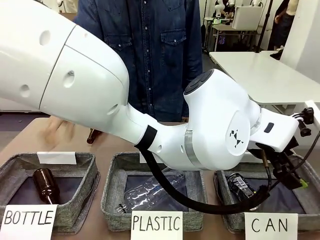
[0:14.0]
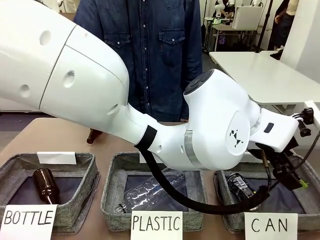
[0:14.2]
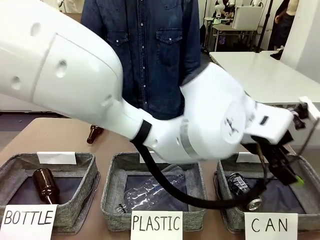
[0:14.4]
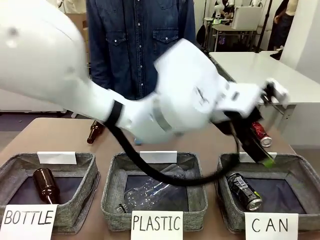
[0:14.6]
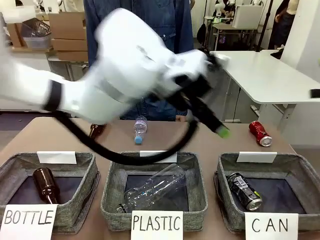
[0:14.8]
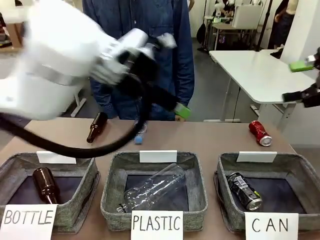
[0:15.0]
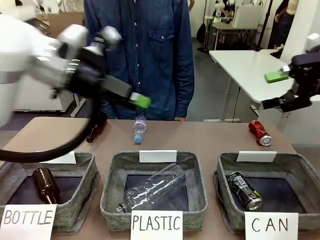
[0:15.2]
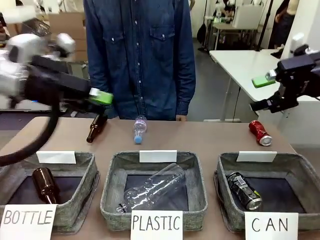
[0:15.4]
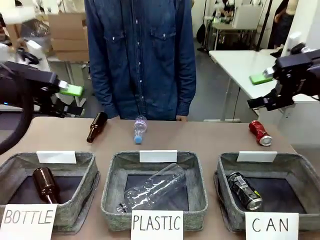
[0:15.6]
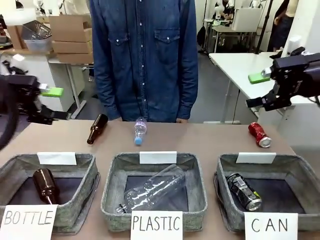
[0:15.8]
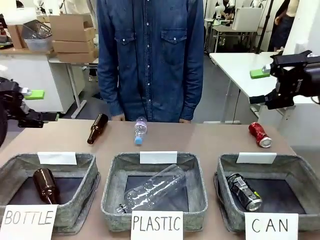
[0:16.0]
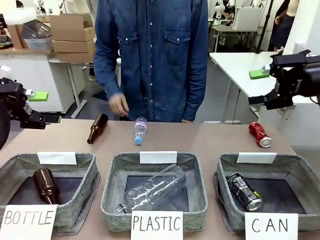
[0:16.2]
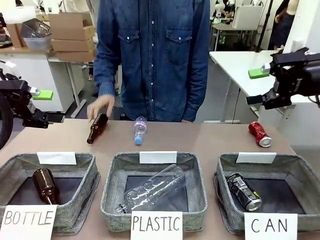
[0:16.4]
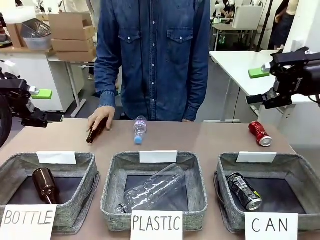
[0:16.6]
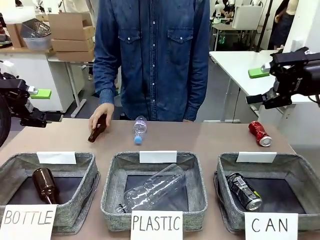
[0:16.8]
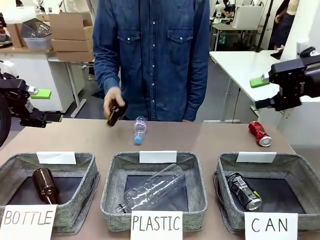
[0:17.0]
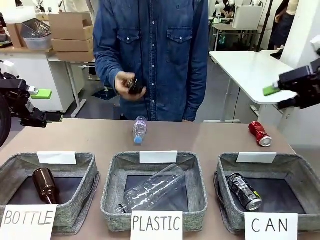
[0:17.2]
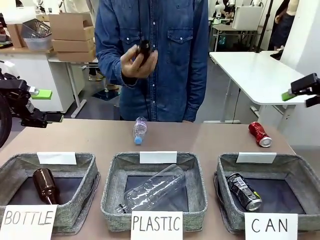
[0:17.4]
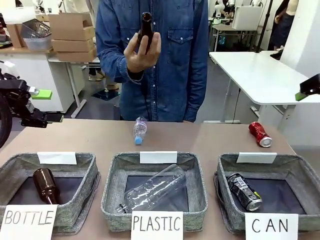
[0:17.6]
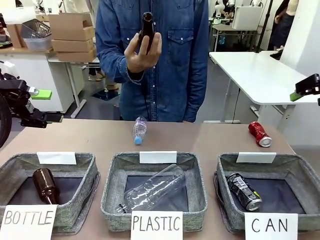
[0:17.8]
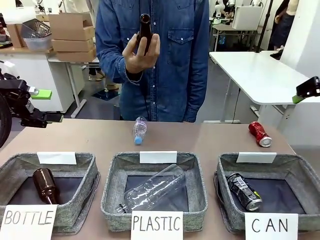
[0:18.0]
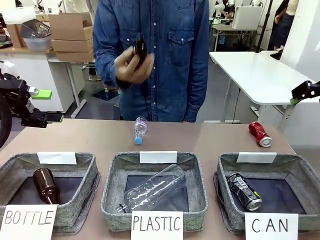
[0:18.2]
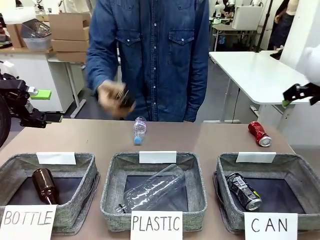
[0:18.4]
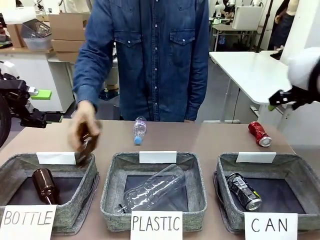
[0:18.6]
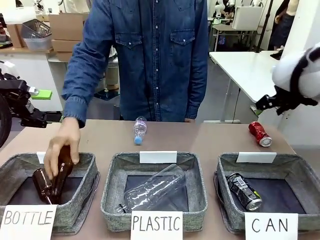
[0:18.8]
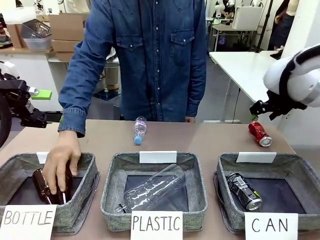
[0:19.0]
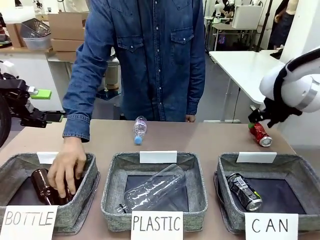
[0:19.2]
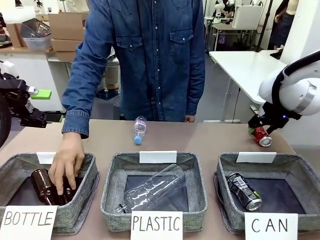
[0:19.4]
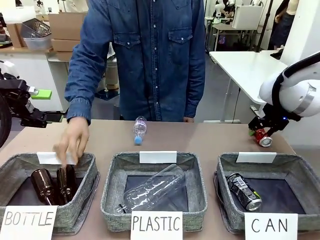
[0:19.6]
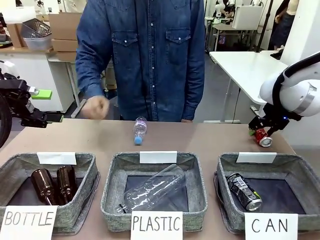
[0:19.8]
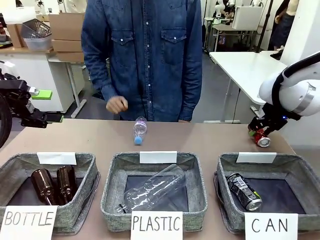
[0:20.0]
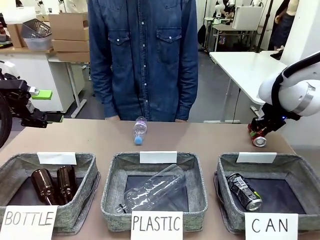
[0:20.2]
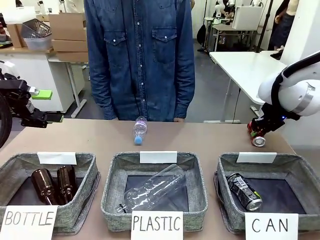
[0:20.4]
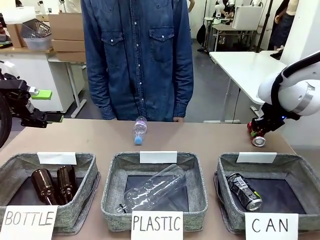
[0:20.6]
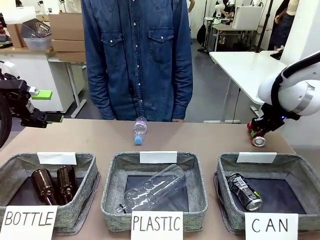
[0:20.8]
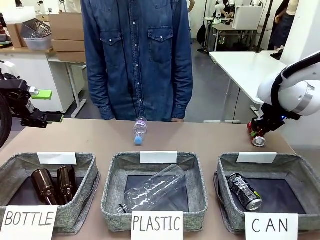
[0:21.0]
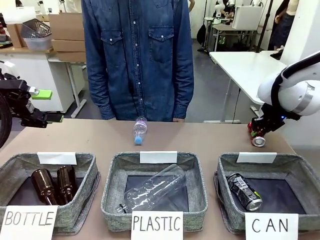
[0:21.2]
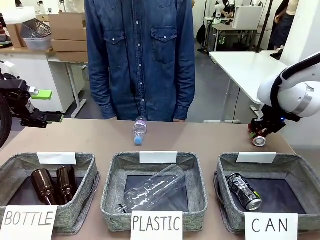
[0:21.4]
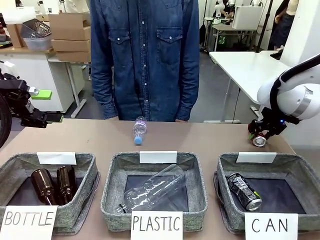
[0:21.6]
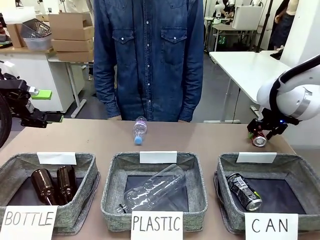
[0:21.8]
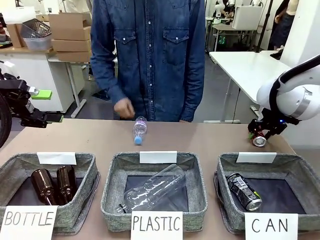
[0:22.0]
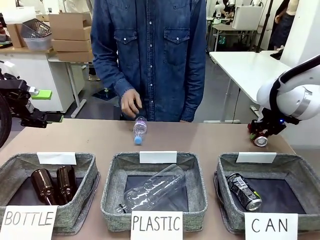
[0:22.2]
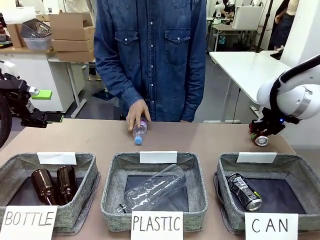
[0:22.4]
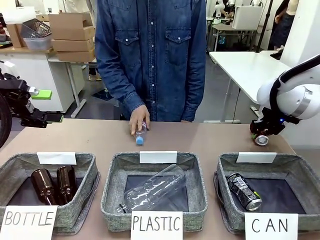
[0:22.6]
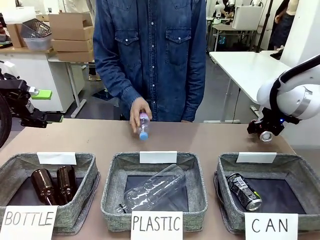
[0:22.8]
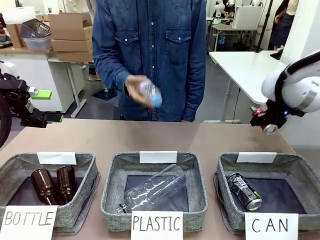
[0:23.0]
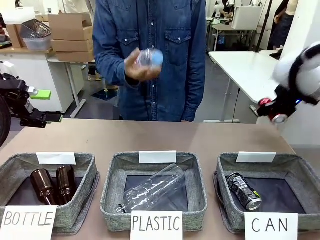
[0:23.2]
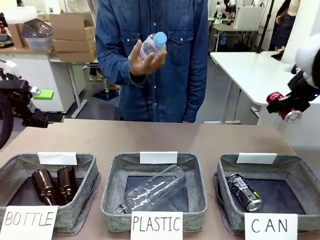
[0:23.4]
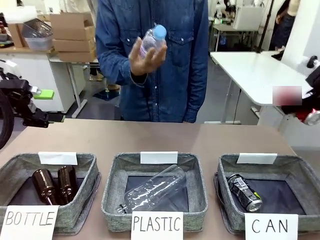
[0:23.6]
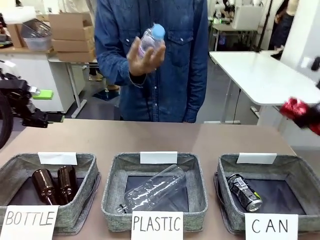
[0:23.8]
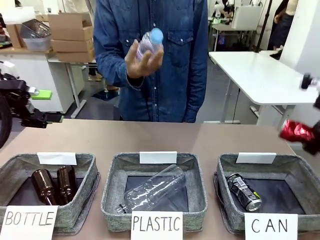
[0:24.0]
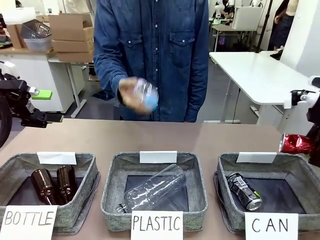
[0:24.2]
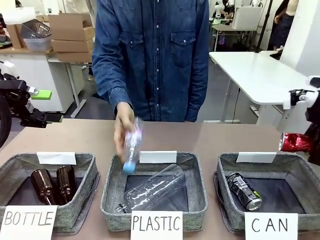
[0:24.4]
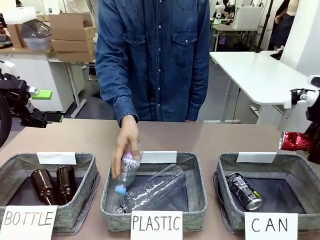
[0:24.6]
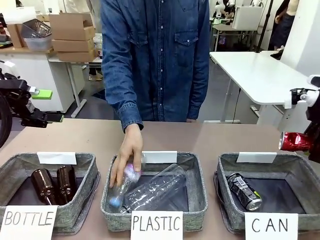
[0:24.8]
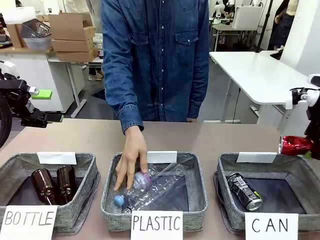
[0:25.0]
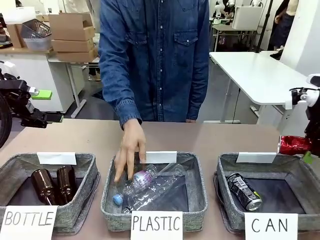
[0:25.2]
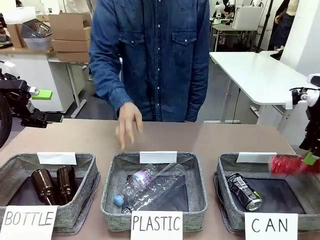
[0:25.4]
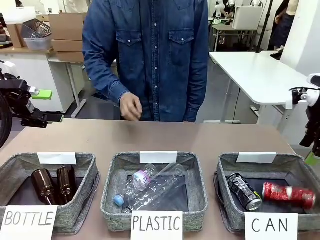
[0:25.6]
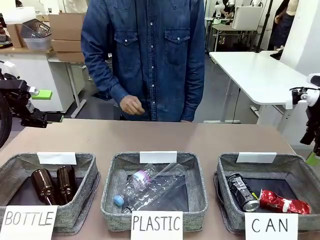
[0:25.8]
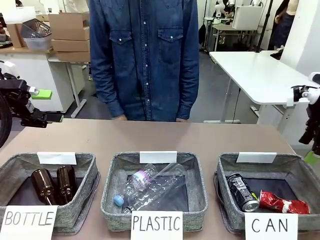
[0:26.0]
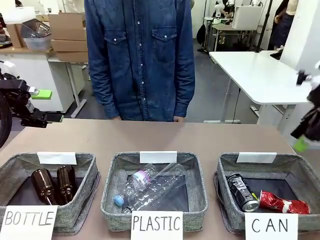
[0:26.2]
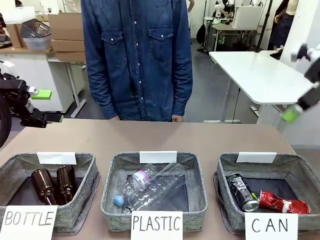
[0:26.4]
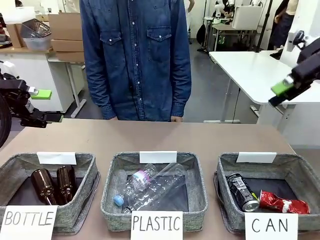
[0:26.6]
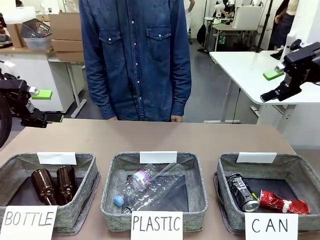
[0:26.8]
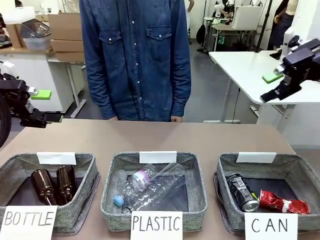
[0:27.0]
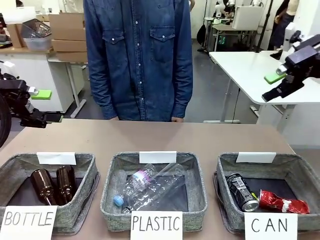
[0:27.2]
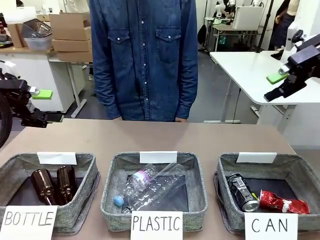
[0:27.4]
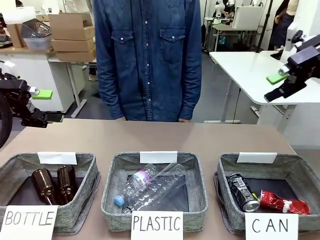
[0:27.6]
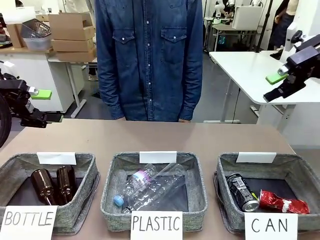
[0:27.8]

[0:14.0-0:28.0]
Task: Sort the can waste into the basket.
Robot: Pick up the can waste from the table and place it in the right Fabric basket.

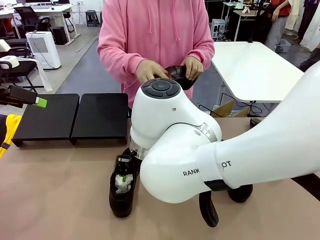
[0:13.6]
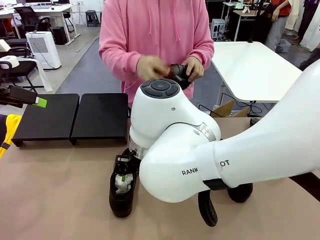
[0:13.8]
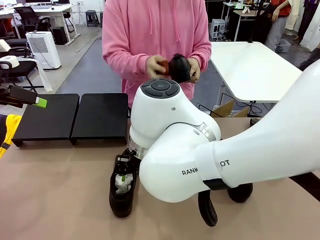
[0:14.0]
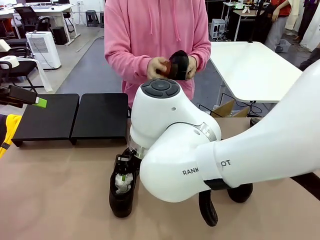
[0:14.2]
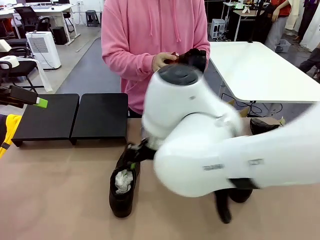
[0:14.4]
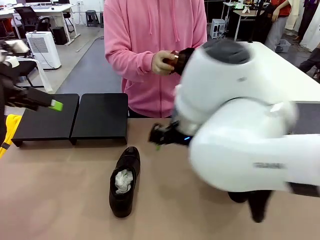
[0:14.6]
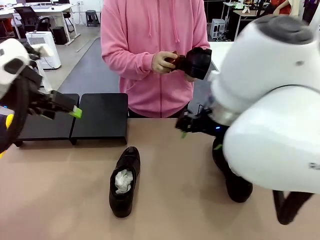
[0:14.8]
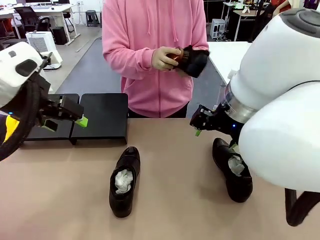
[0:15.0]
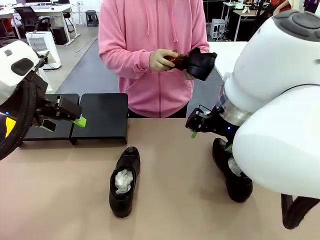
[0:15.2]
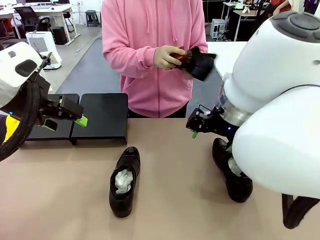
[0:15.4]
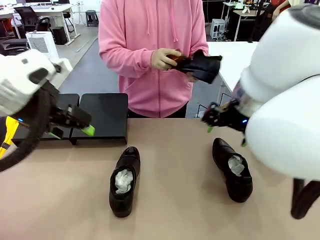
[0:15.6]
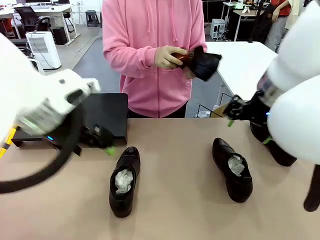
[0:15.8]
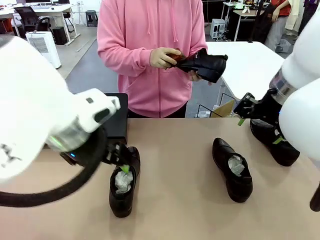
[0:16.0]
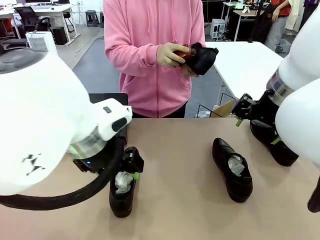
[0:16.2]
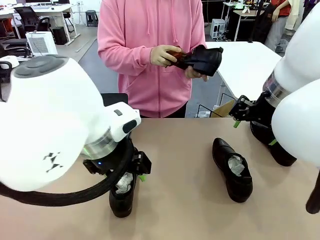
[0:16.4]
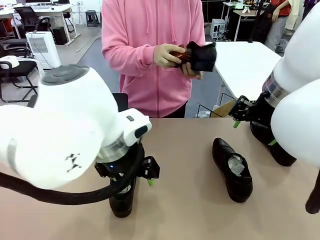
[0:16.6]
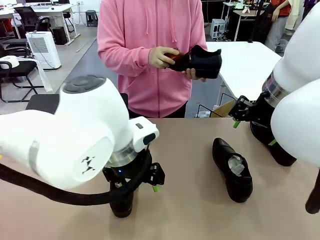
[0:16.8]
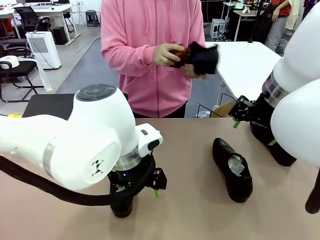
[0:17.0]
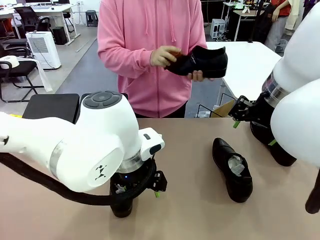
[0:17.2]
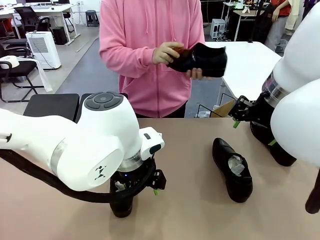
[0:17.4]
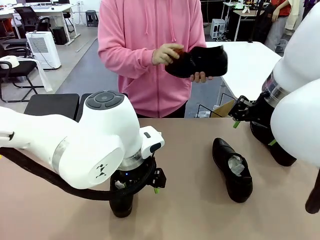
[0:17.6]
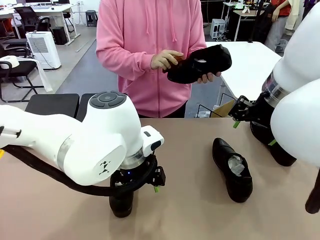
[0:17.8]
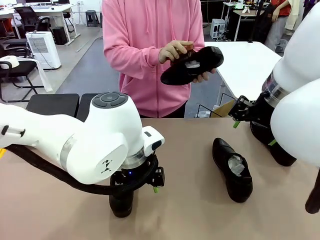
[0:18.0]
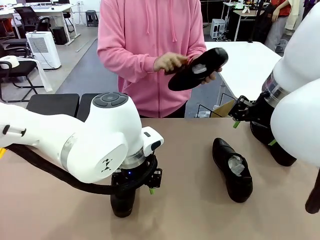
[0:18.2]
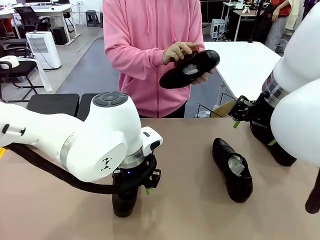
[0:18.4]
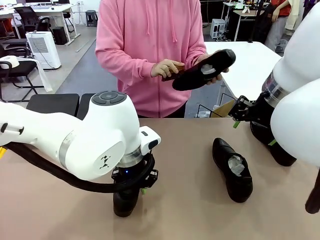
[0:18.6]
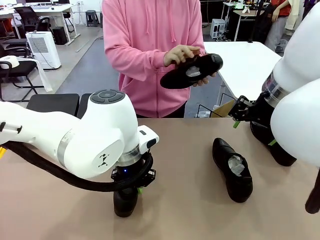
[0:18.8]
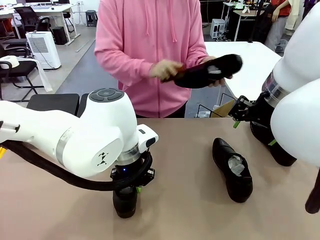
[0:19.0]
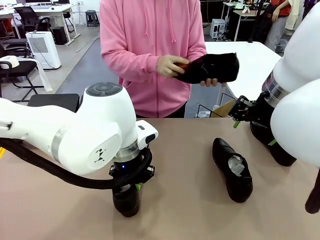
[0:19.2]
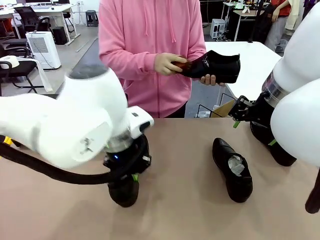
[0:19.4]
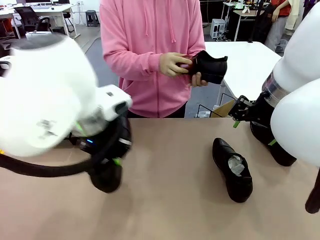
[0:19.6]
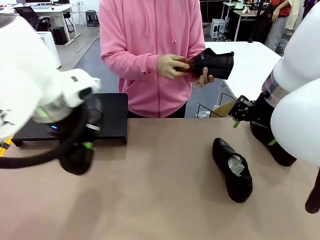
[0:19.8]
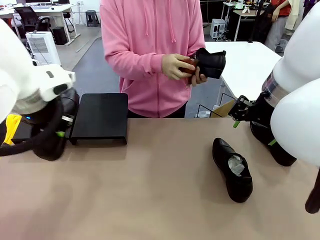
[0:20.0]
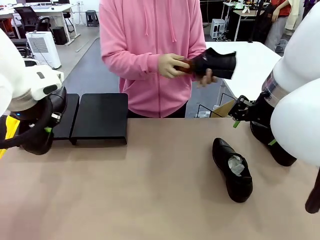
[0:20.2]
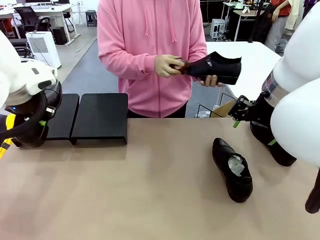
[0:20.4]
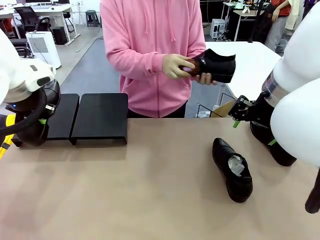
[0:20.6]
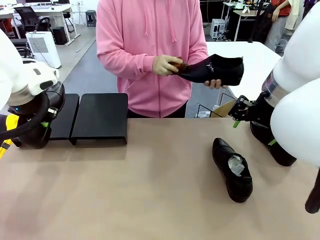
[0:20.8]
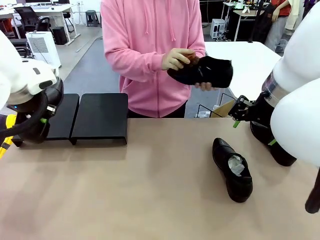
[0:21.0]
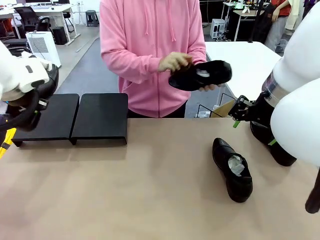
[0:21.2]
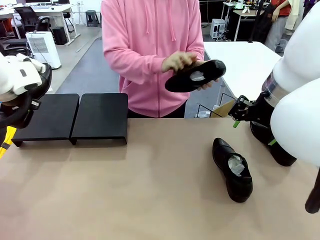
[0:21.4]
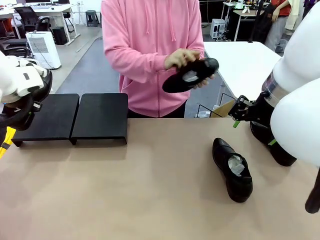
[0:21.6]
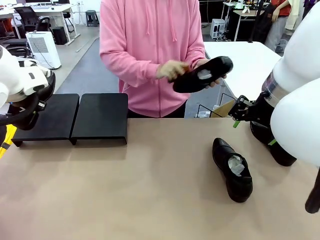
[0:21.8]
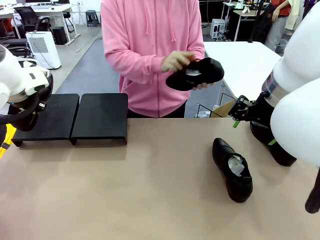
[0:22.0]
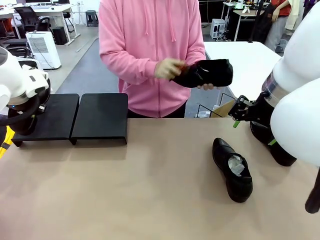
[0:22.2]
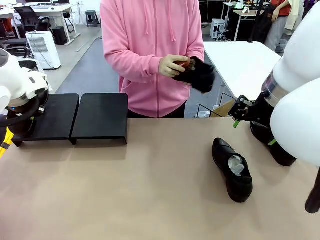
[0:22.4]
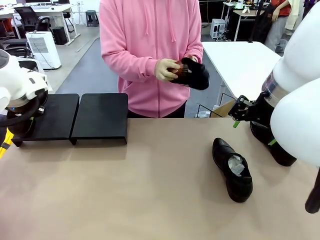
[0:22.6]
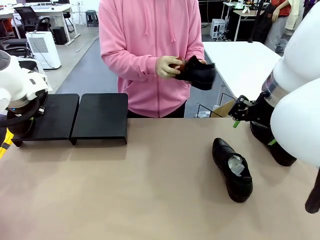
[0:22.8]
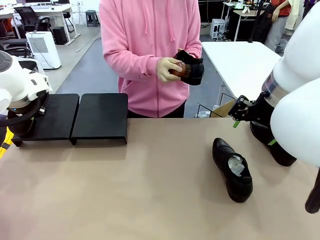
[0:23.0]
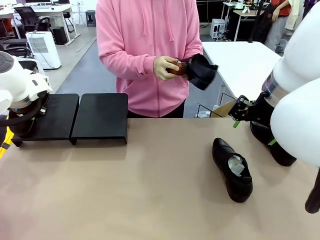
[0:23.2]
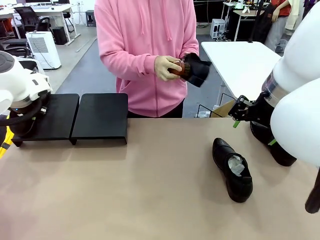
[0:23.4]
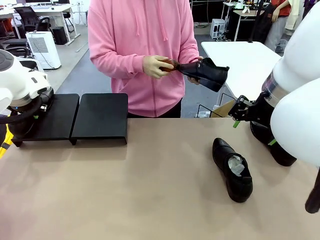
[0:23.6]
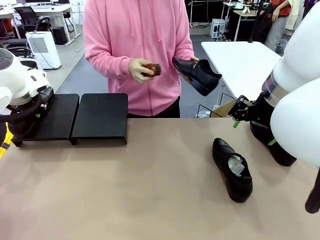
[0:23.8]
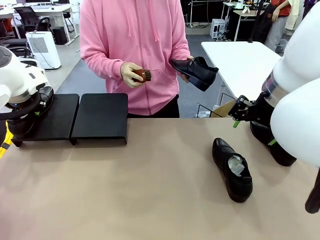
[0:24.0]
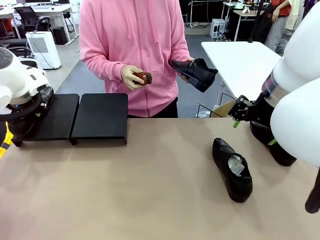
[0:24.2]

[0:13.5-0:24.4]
Task: Organize the shoes by placing them on the stand.
Robot: Place the Shoe from the middle of the table onto the Shoes Stand.
Person: Clean the Shoe with the Shoe Brush.
